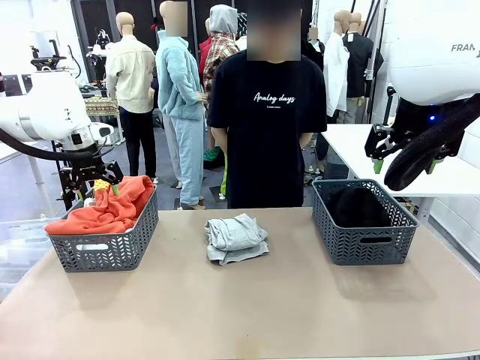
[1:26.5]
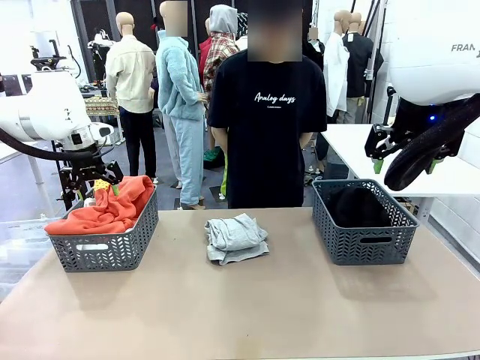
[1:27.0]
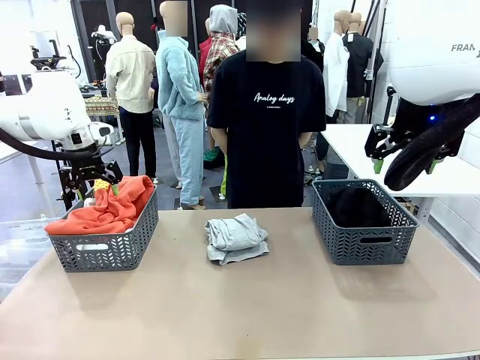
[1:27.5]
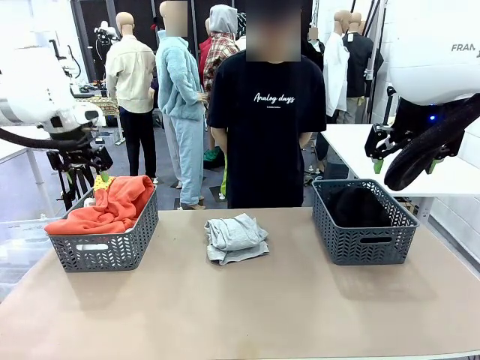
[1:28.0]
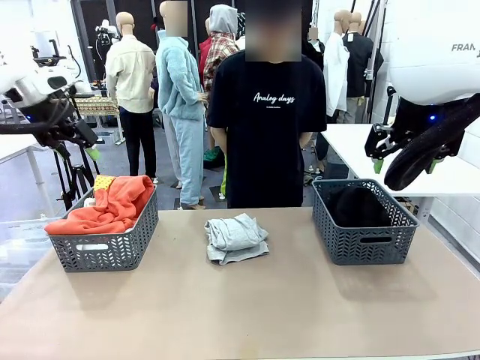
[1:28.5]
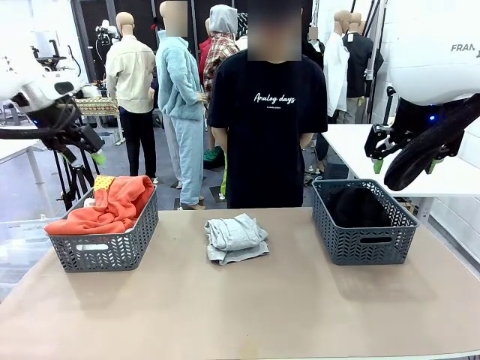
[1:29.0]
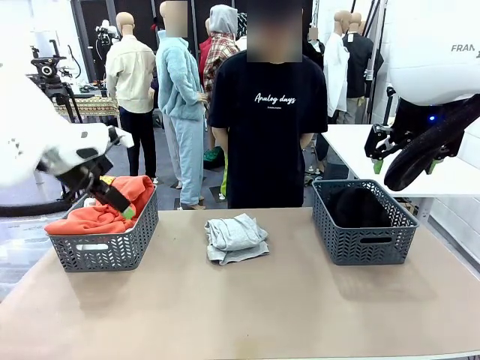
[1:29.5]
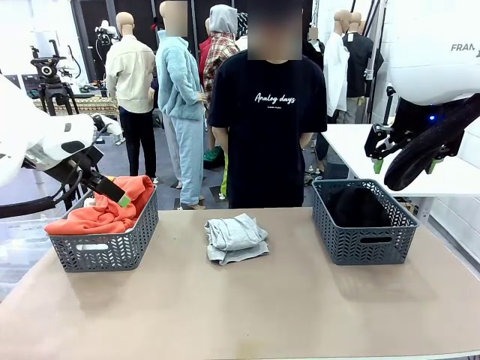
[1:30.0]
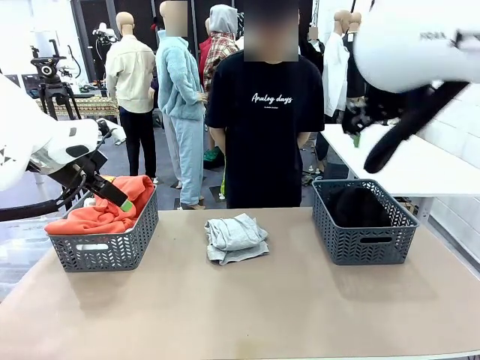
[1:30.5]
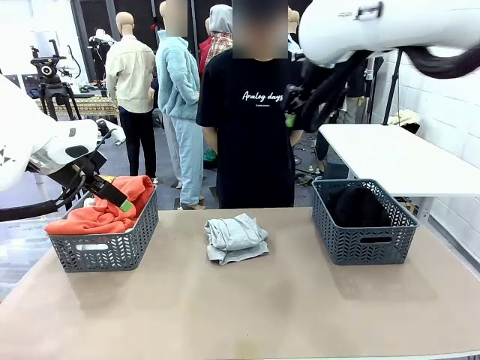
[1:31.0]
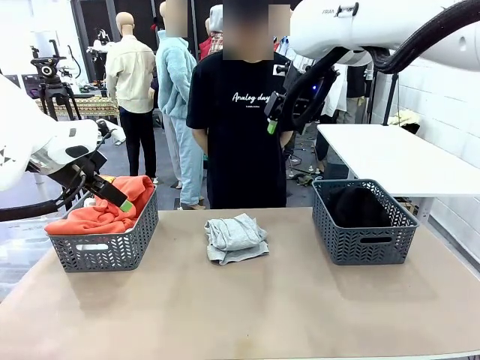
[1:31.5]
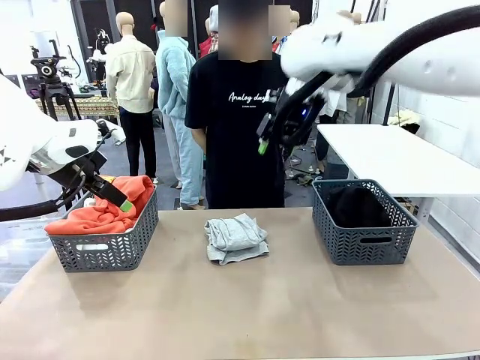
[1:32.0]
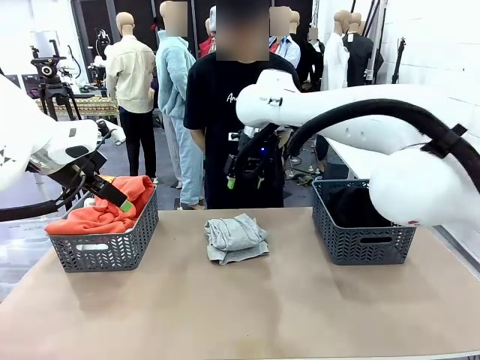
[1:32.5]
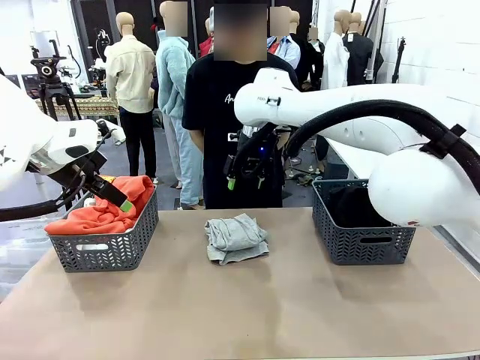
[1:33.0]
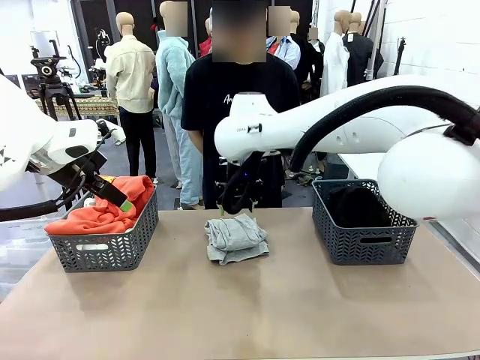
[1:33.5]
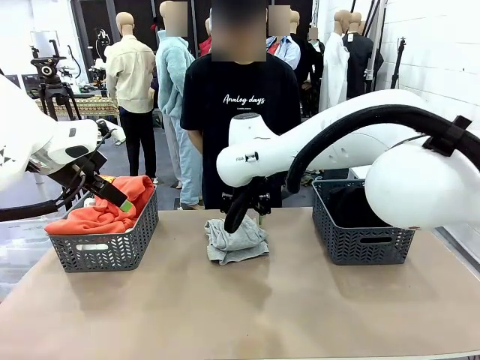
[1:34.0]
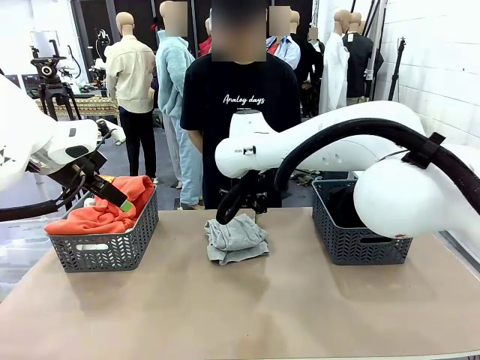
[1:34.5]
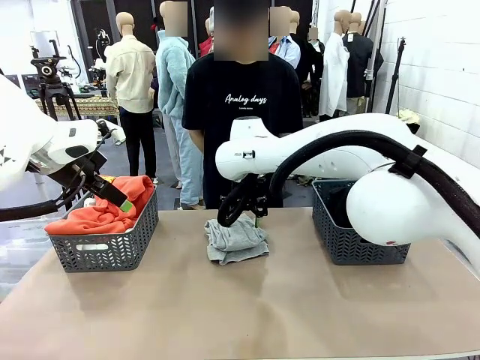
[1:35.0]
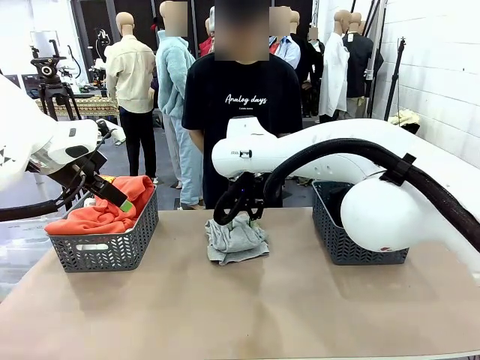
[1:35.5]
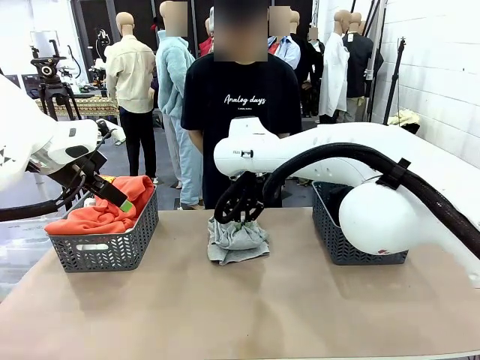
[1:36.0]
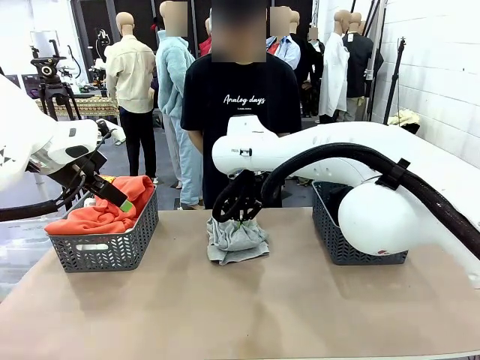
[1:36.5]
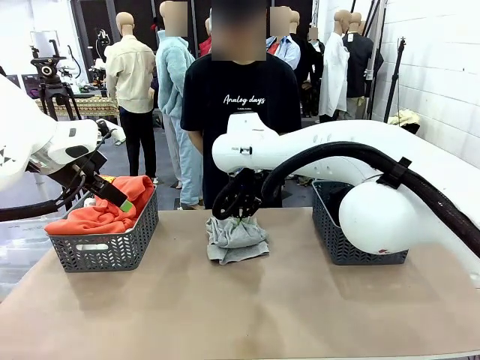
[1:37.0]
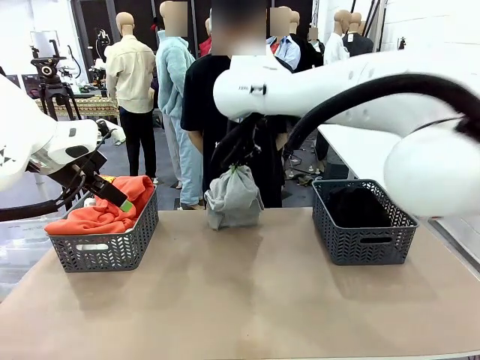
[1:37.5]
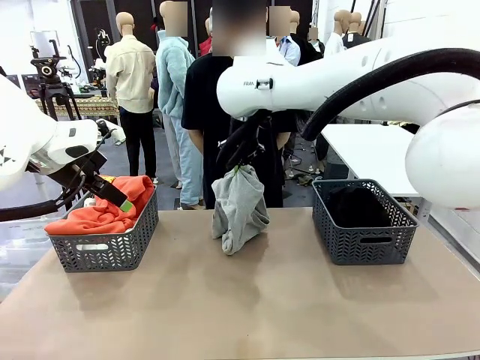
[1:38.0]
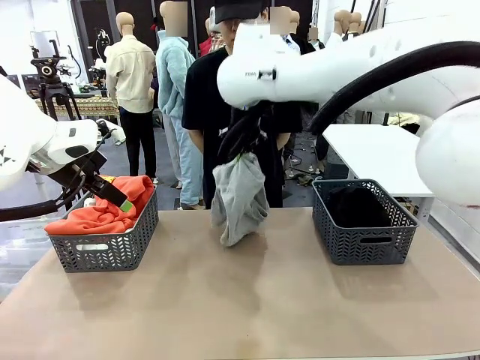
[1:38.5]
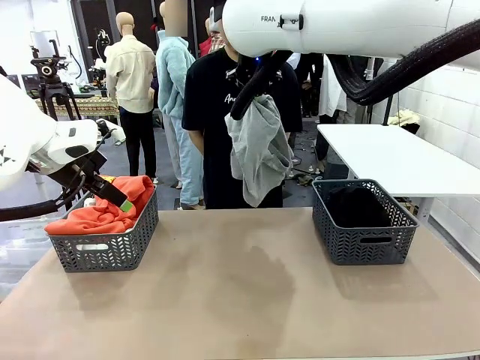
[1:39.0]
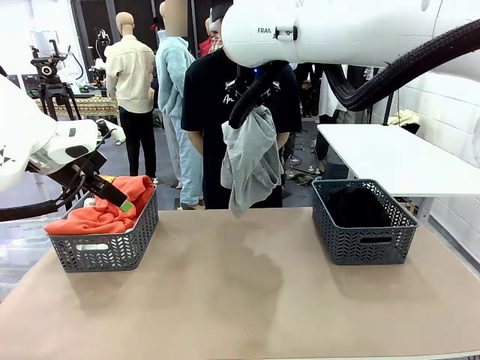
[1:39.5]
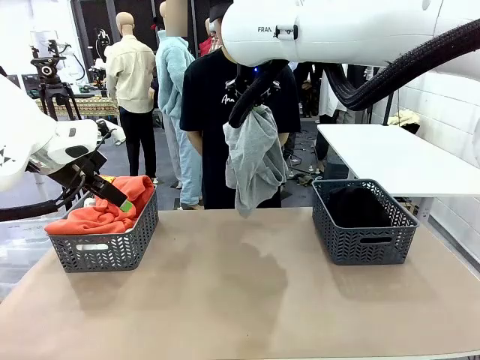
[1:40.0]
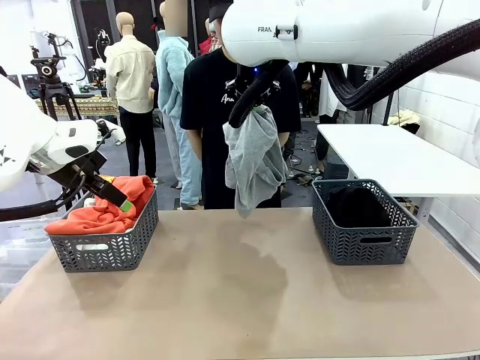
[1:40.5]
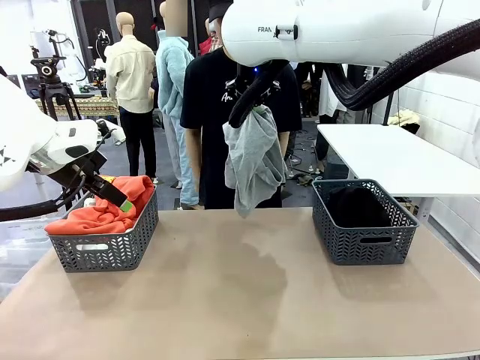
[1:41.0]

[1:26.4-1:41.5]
Task: Sort the tops and bottoms.
Robot: Lift clothes from the center of the table with your right hand.

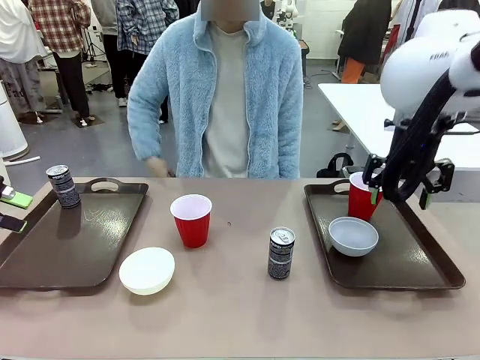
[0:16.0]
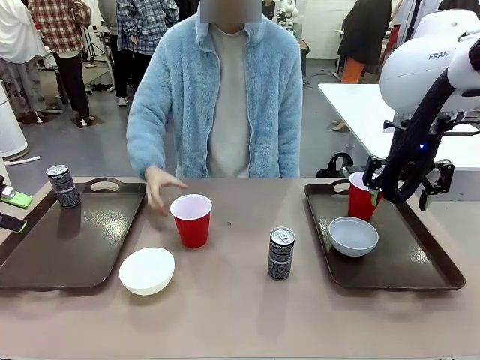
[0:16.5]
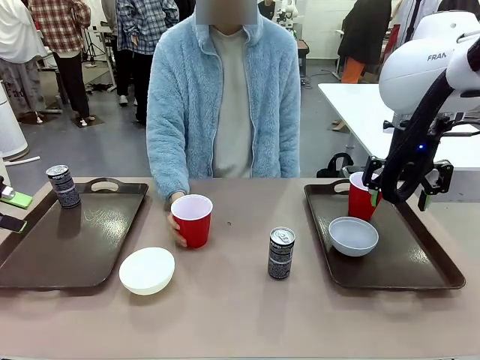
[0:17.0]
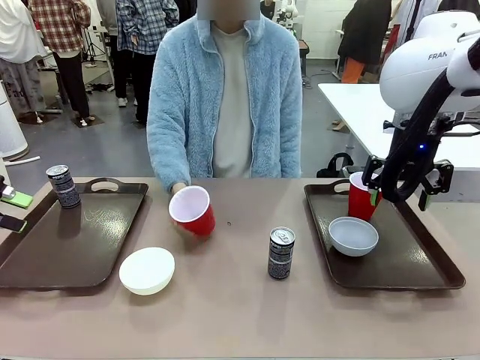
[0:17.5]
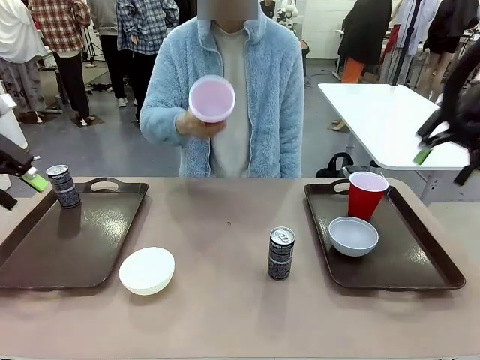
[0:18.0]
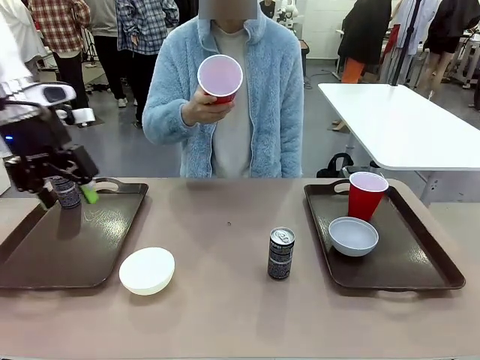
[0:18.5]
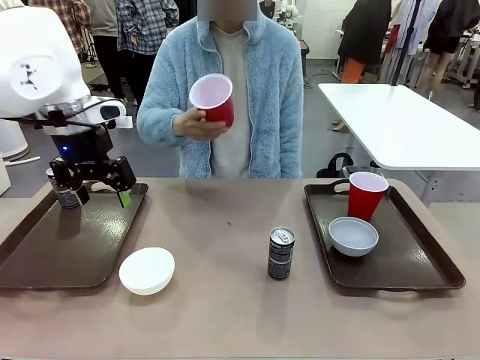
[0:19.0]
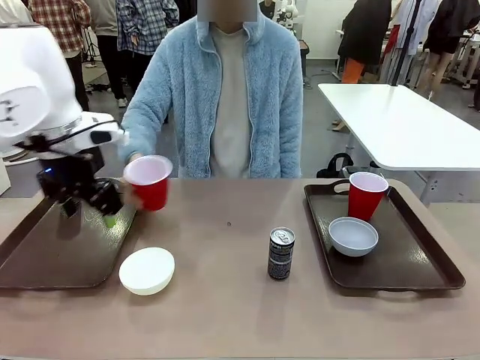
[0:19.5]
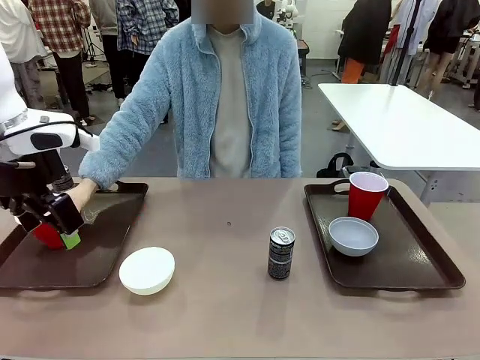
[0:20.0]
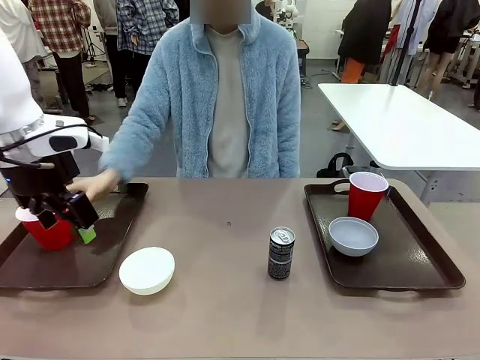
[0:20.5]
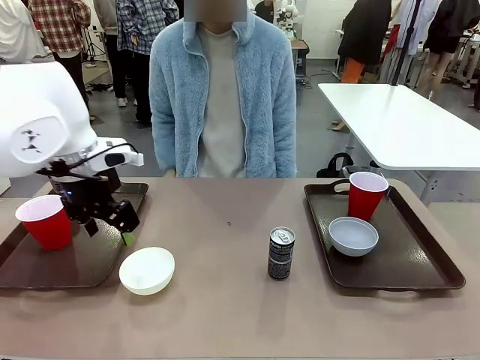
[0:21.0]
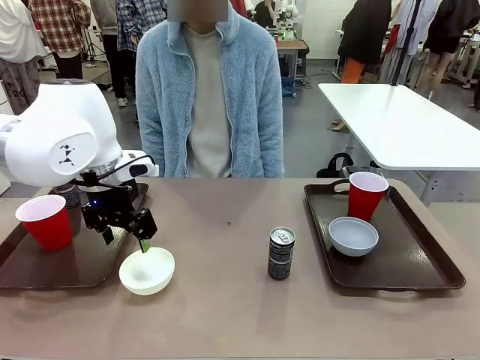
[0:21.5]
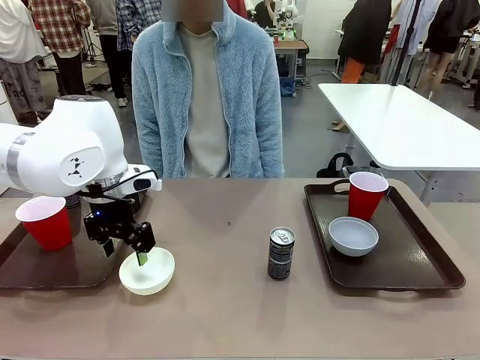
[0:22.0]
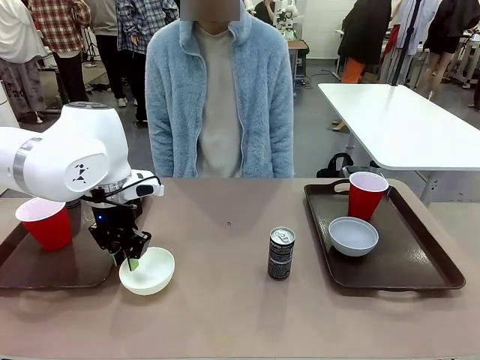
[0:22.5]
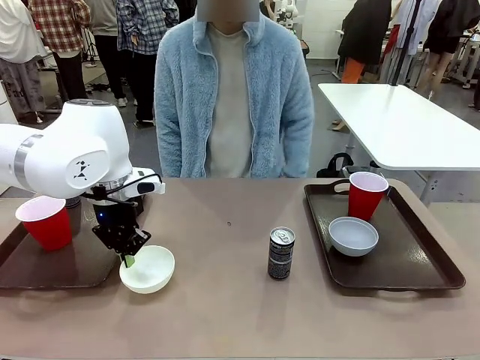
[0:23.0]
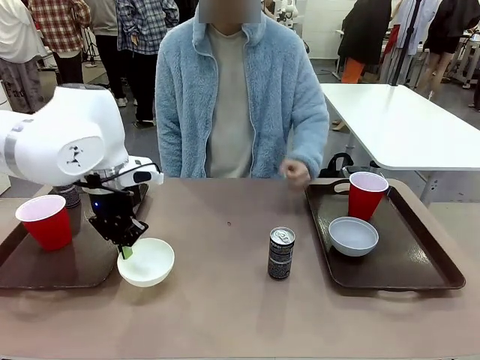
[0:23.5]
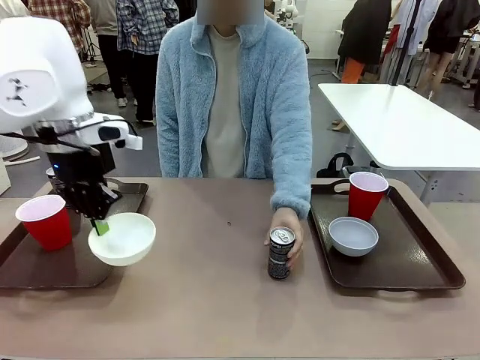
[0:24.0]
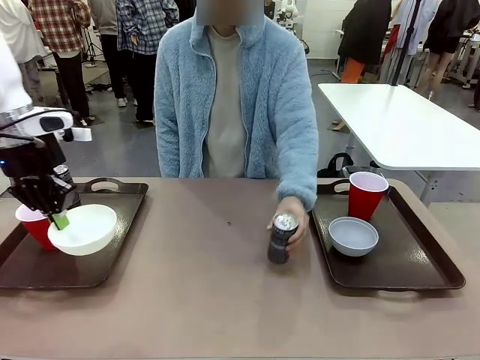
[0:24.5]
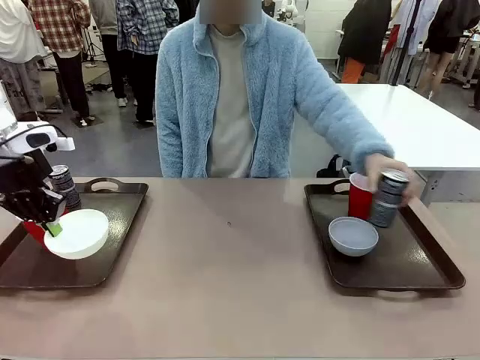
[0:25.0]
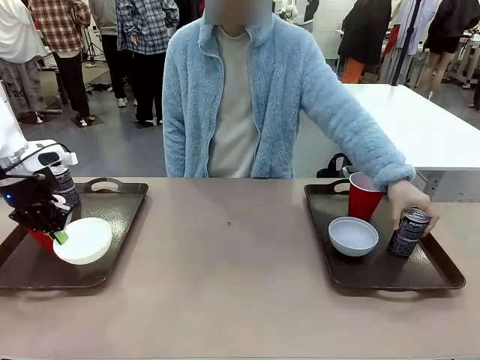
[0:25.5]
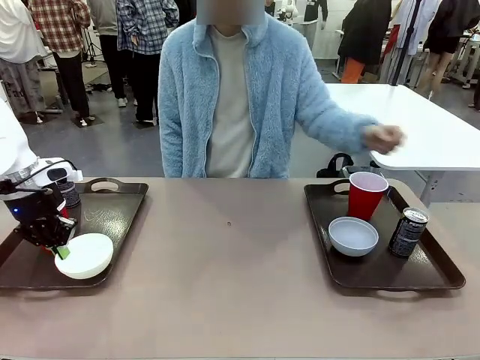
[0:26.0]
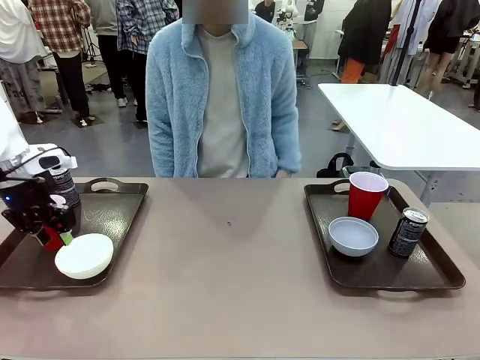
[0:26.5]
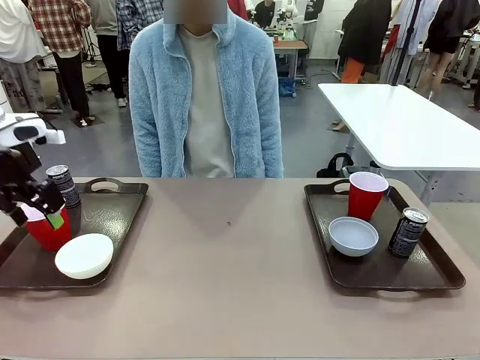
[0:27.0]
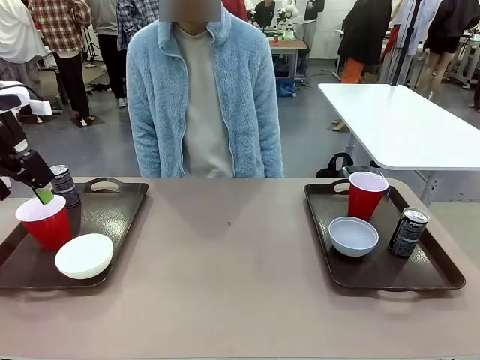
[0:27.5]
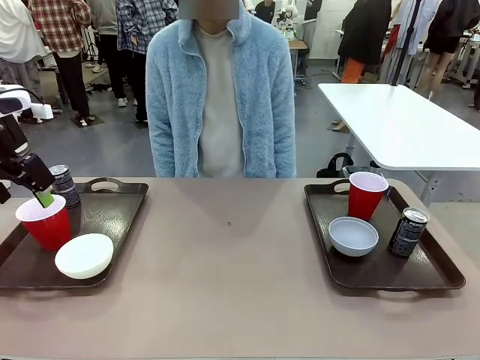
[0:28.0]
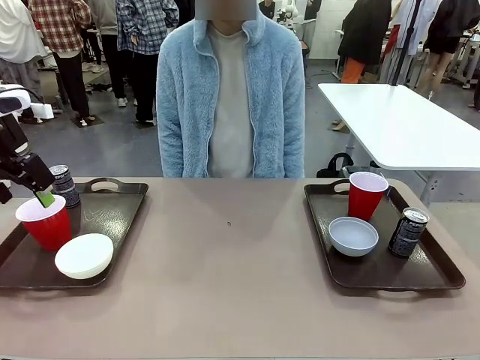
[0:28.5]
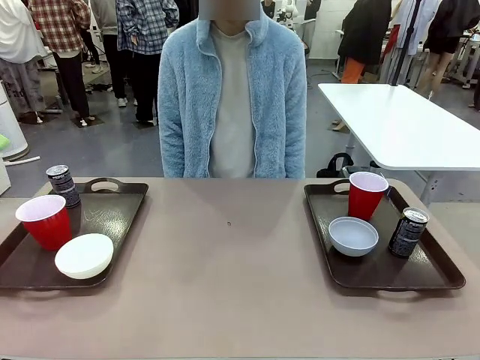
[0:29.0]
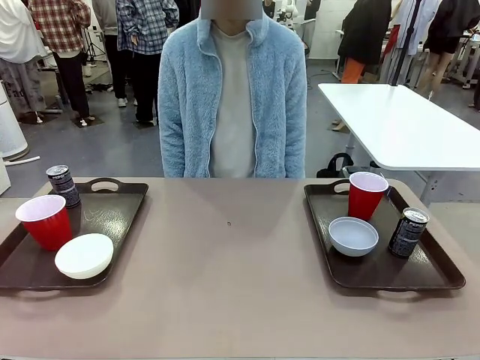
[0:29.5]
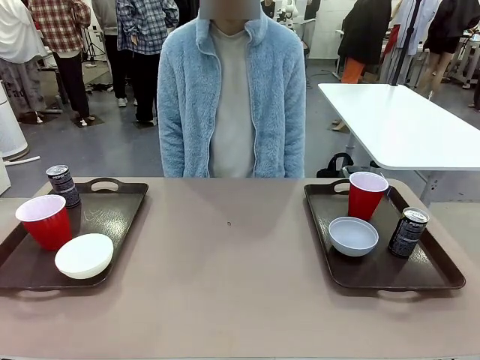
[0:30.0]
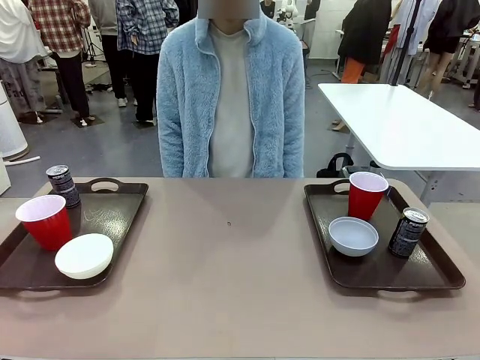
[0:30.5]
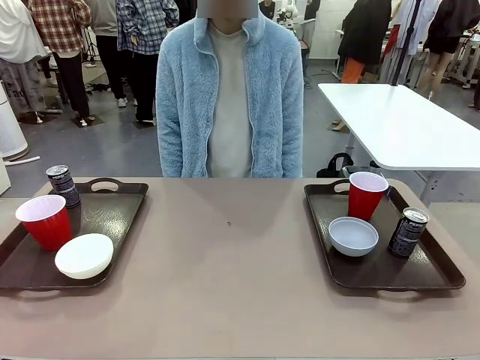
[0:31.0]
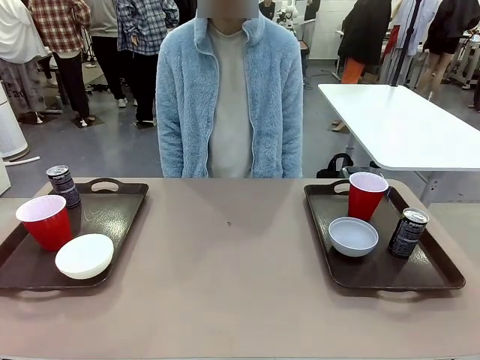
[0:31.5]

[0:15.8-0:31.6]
Task: Prepare tableware on both trays.
Robot: Pick up a Picnic Bowl from the table and place it on a Handle tray.
Person: Pick up a can or cup and place it on the tray without a can or cup.
